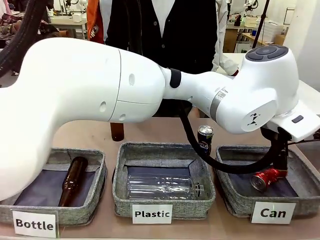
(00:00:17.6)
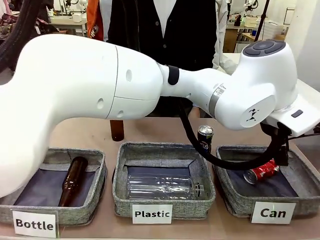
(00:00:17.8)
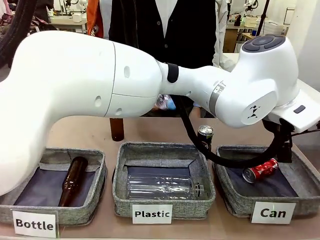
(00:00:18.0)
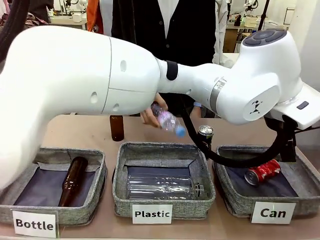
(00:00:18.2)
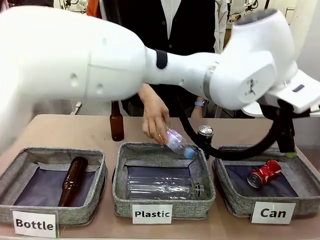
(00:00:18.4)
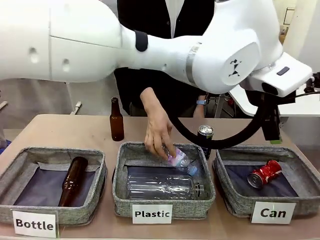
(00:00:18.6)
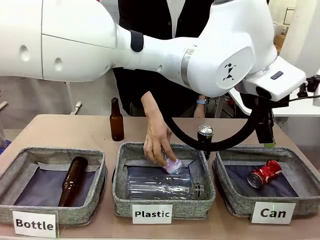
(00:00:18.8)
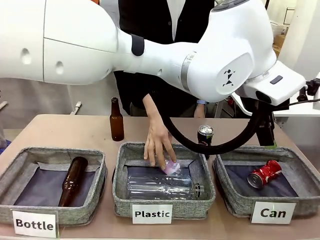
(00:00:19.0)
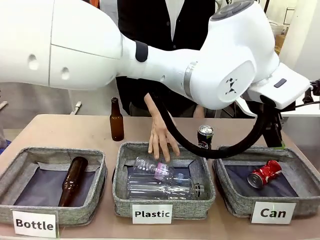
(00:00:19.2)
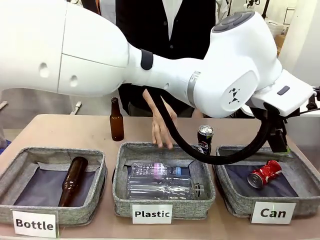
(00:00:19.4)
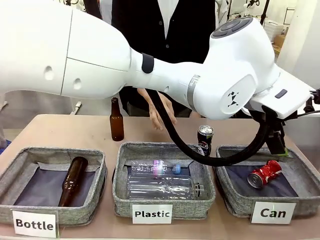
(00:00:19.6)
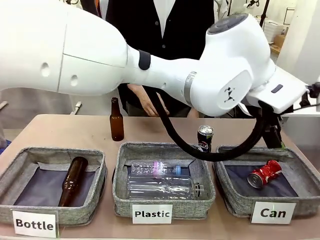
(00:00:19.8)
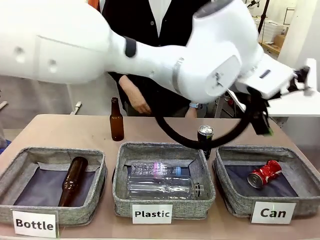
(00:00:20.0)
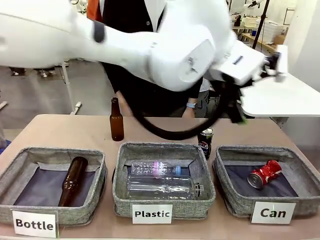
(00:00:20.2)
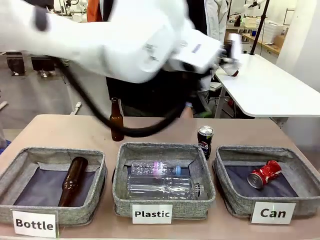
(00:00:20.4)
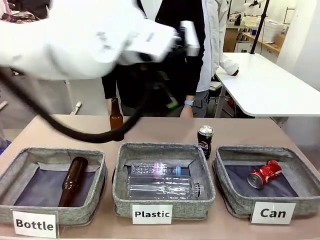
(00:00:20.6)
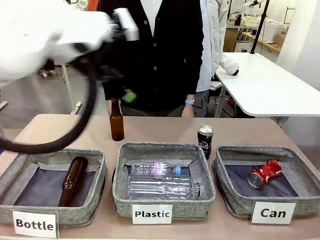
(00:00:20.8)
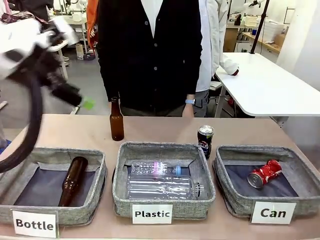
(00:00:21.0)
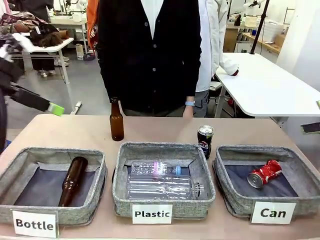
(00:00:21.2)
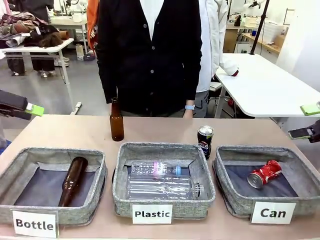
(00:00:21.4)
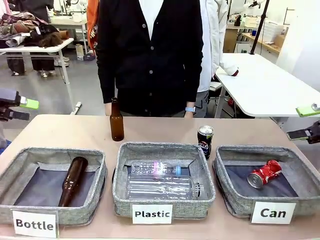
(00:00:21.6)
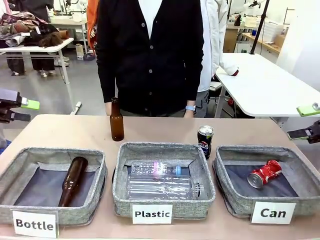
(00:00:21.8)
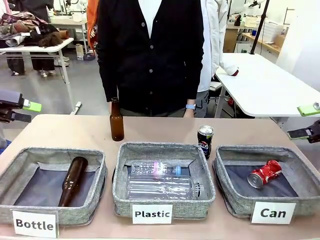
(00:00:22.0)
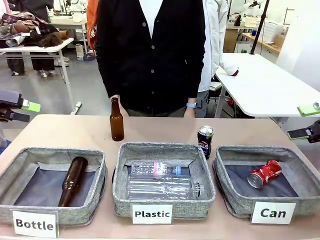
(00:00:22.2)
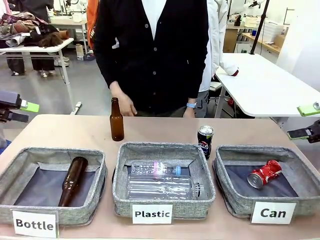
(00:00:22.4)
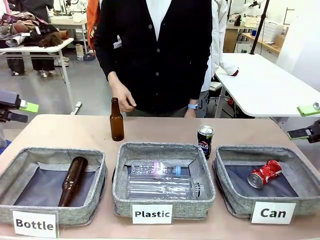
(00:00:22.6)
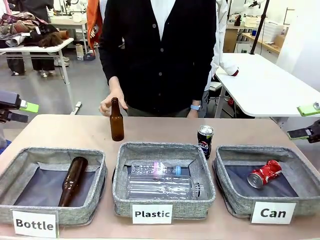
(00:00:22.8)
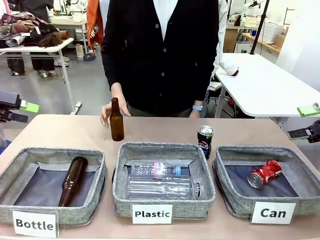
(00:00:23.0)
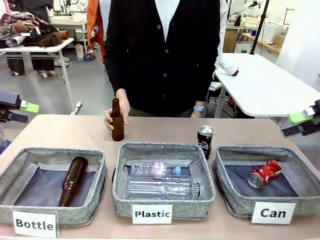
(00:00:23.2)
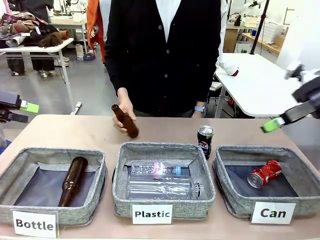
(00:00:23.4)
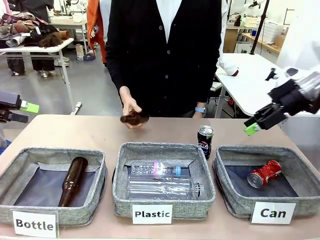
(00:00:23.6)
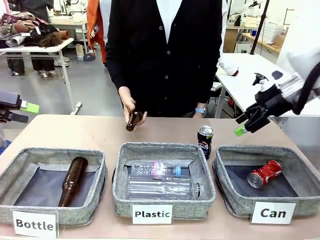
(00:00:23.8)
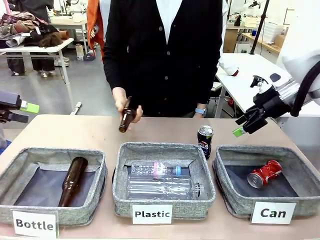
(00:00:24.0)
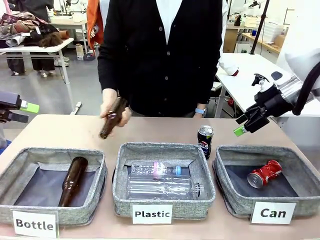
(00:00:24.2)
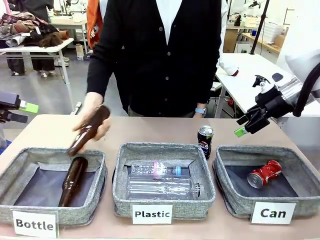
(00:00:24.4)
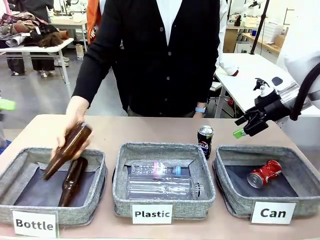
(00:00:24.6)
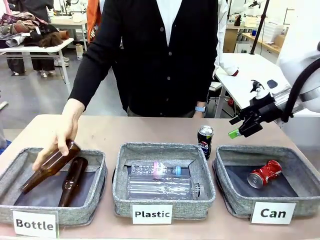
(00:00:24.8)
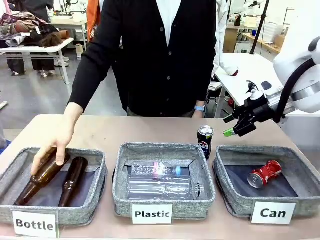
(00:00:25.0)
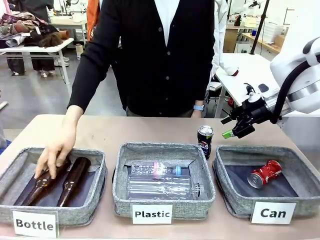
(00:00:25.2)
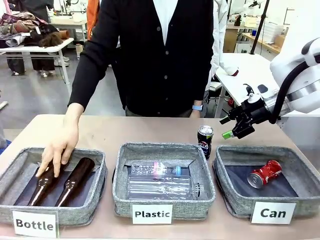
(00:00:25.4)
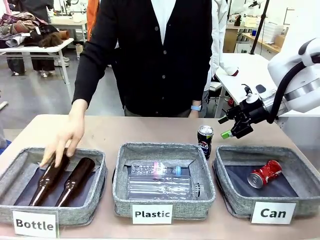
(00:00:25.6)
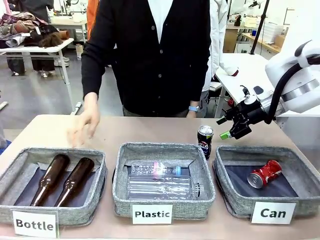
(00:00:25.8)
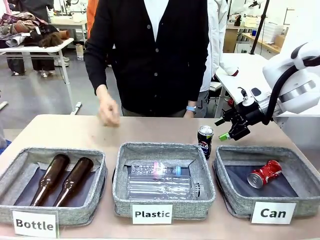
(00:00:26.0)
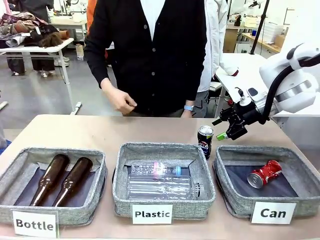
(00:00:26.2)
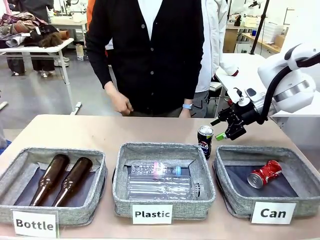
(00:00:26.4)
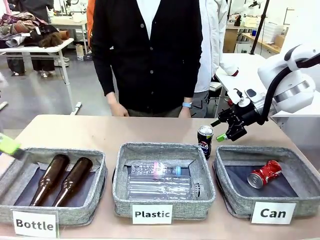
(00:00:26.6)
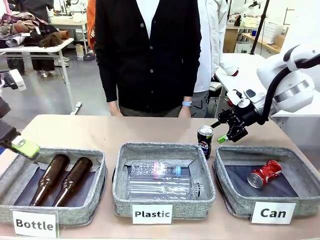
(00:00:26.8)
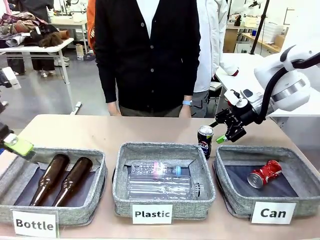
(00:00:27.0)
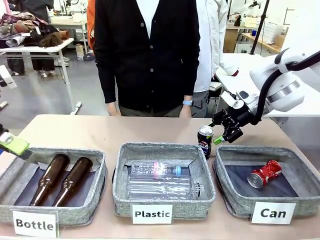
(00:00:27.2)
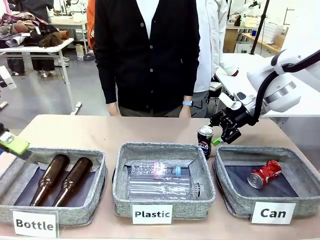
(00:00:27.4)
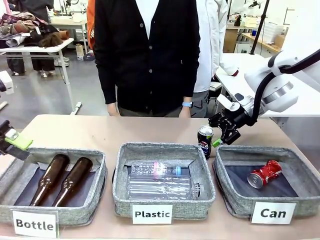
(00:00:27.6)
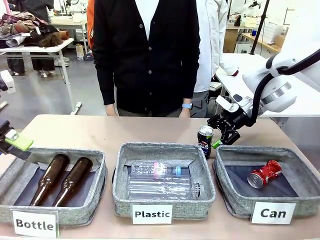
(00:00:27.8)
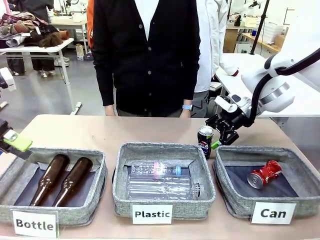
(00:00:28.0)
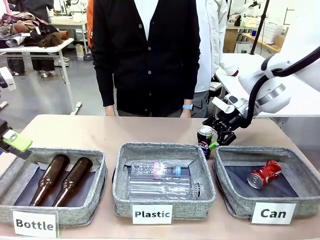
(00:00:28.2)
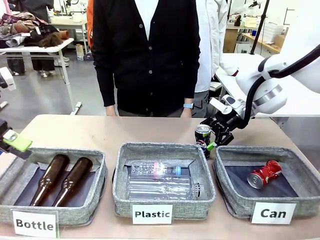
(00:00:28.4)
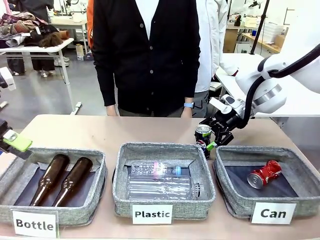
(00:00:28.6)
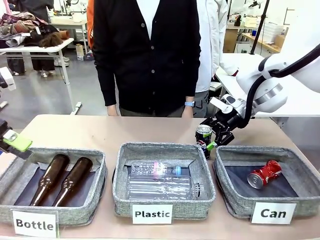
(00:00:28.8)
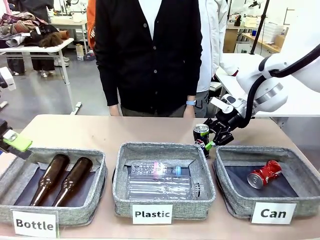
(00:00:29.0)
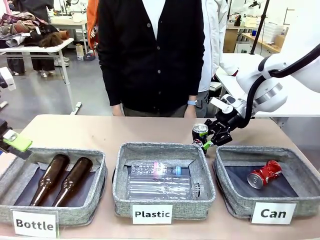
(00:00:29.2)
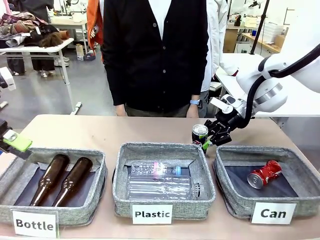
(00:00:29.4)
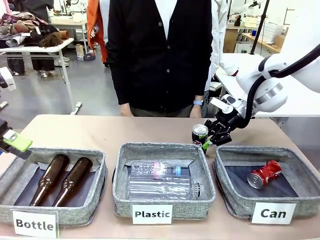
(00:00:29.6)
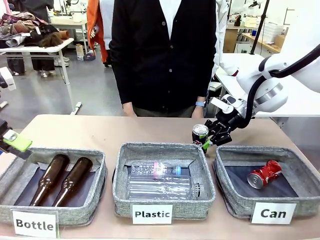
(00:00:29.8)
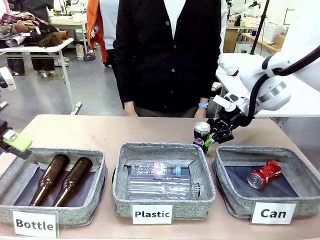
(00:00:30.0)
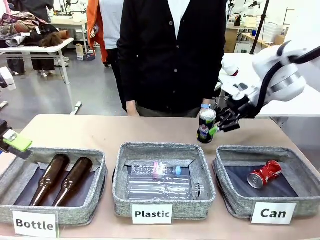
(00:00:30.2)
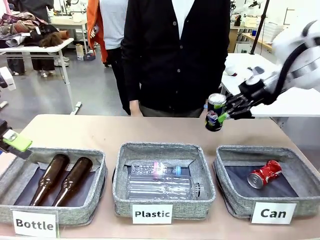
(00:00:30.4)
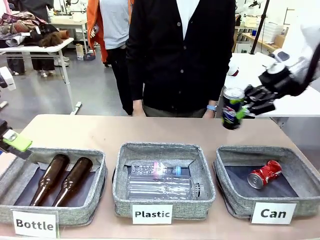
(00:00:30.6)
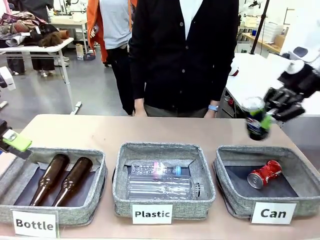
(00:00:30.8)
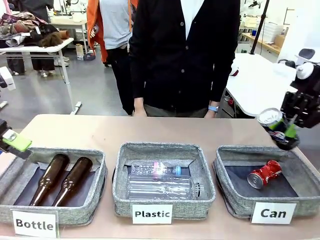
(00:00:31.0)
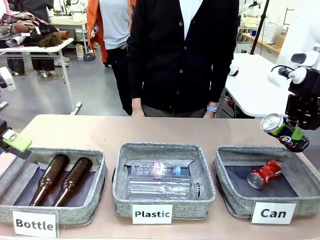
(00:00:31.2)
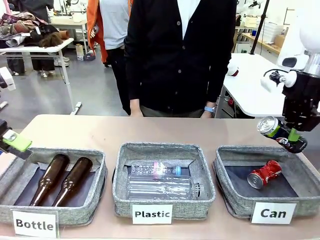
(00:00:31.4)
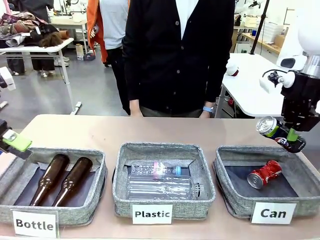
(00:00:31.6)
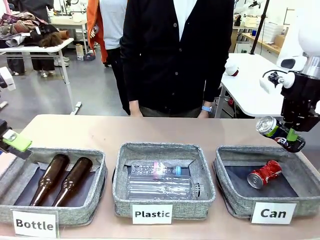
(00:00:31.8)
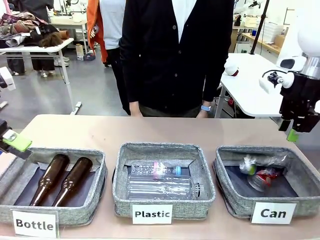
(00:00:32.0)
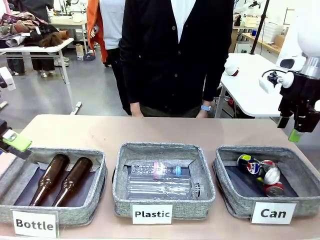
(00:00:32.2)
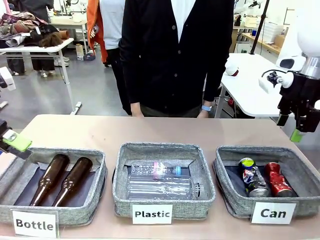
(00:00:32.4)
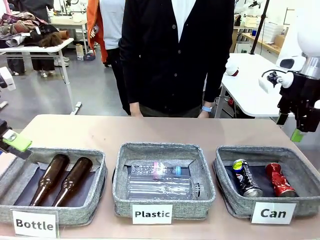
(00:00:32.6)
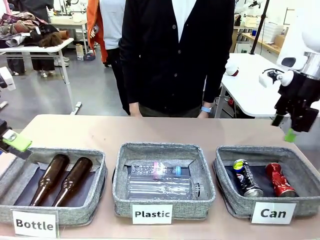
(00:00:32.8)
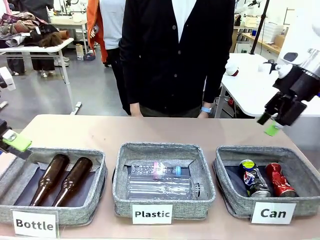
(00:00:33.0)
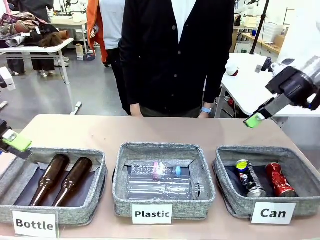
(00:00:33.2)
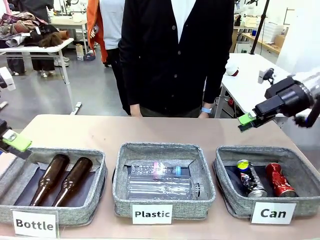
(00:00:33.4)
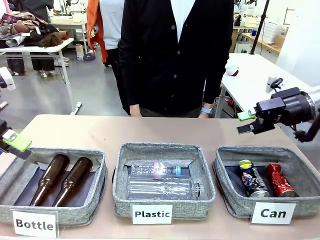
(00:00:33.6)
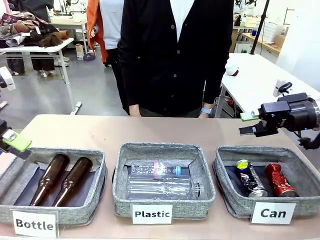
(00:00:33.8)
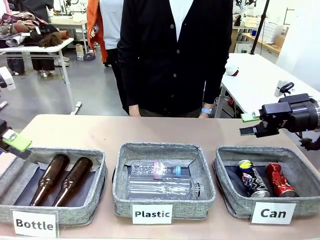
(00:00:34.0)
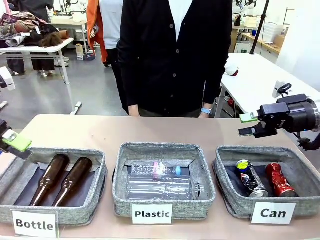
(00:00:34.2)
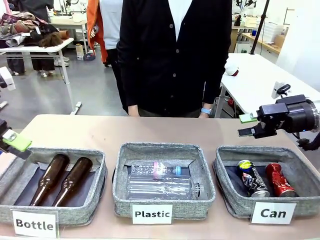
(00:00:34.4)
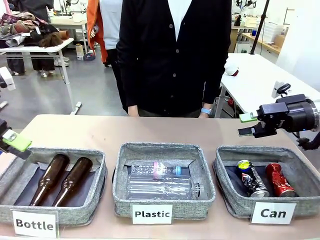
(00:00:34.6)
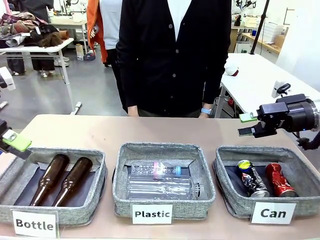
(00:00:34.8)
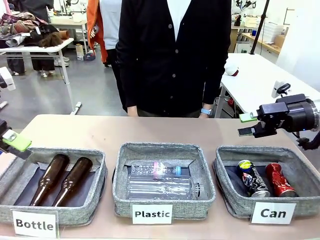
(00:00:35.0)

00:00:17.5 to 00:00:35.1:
Task: Sort the can waste into the basket.
Robot: Pick up the can waste from the table and place it in the right Fabric basket.
Person: The human picks up one piece of trash that is not a can and places the trash into the appropriate organizing basket.
